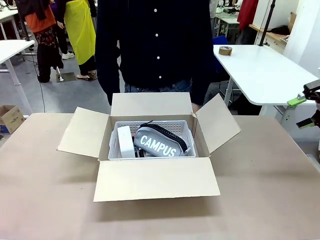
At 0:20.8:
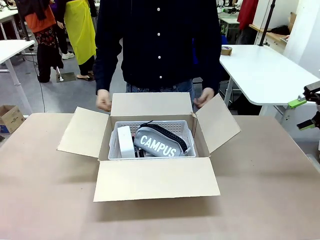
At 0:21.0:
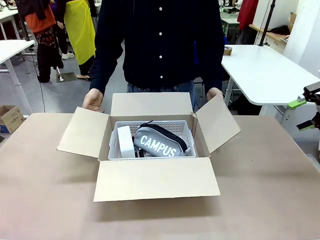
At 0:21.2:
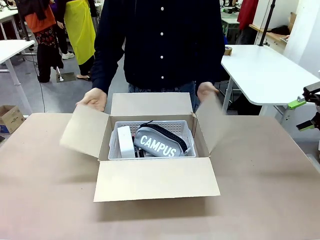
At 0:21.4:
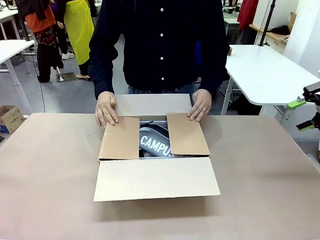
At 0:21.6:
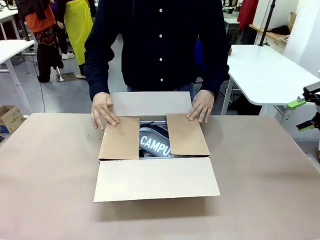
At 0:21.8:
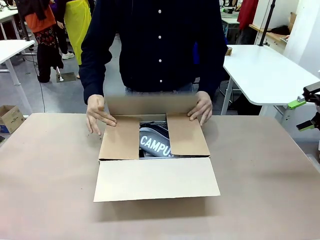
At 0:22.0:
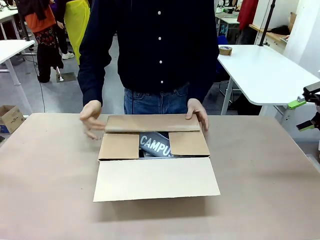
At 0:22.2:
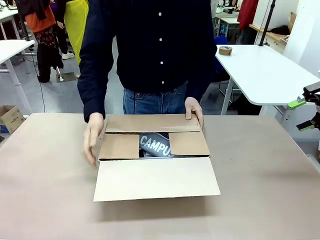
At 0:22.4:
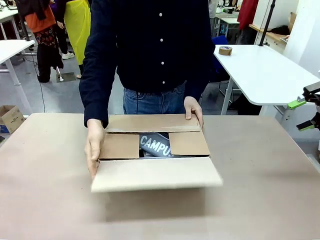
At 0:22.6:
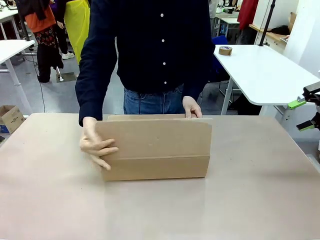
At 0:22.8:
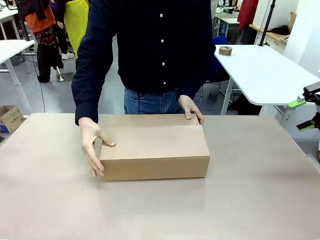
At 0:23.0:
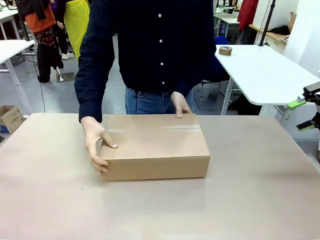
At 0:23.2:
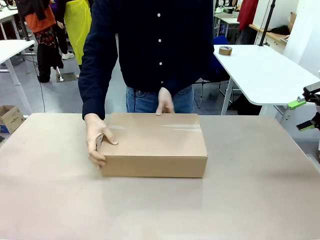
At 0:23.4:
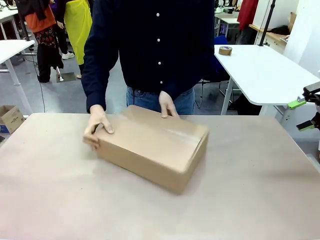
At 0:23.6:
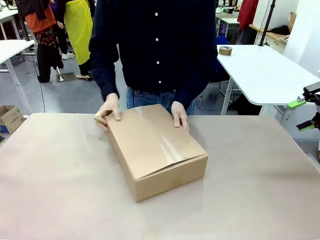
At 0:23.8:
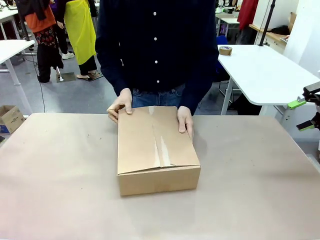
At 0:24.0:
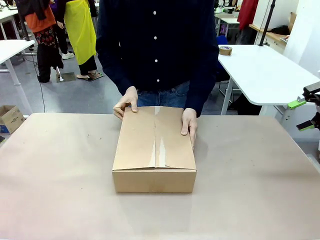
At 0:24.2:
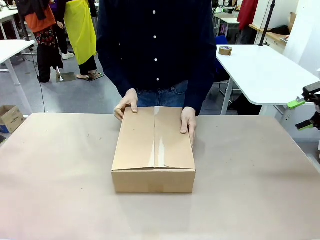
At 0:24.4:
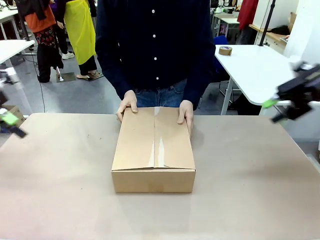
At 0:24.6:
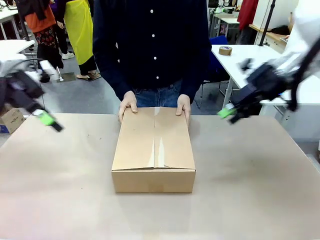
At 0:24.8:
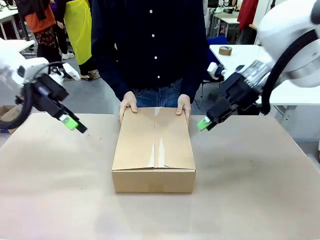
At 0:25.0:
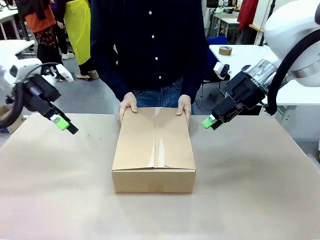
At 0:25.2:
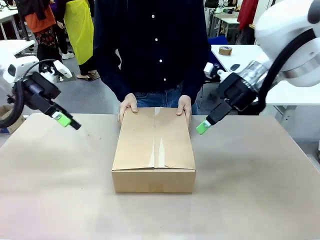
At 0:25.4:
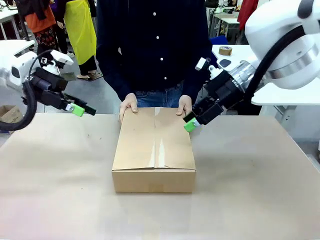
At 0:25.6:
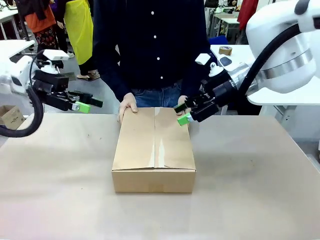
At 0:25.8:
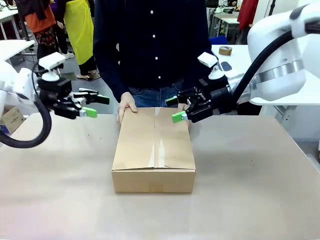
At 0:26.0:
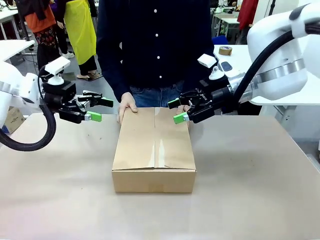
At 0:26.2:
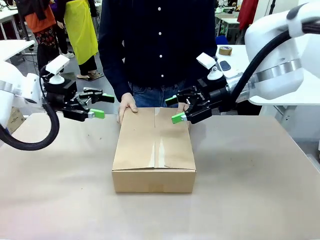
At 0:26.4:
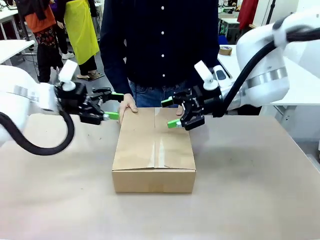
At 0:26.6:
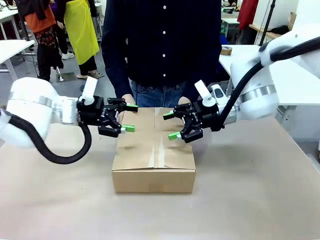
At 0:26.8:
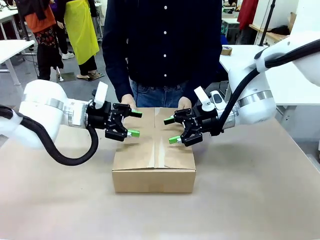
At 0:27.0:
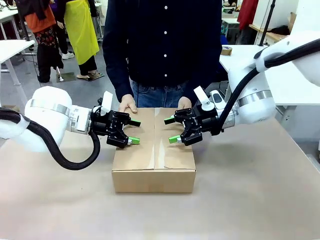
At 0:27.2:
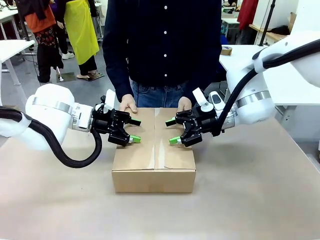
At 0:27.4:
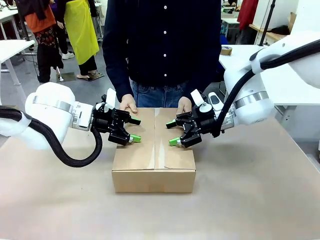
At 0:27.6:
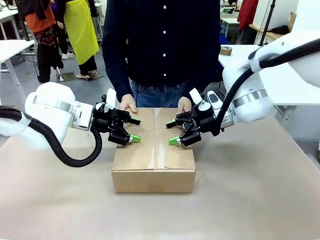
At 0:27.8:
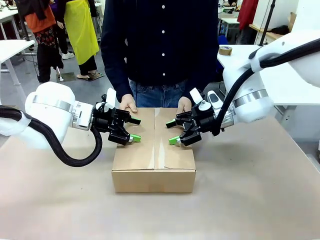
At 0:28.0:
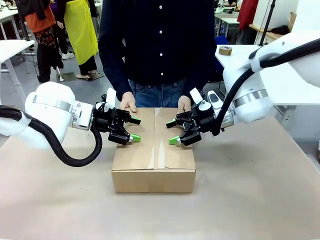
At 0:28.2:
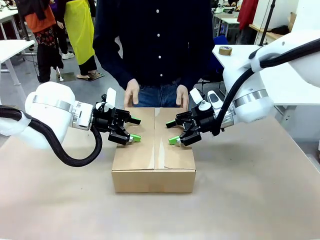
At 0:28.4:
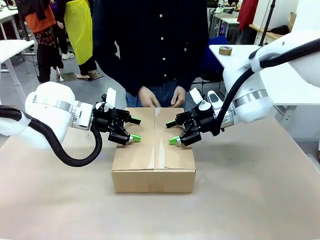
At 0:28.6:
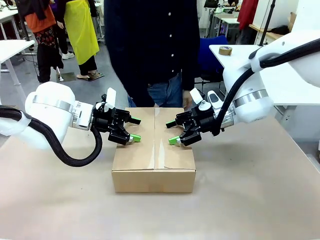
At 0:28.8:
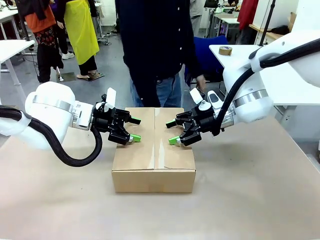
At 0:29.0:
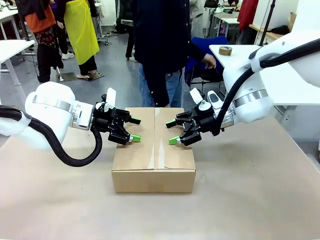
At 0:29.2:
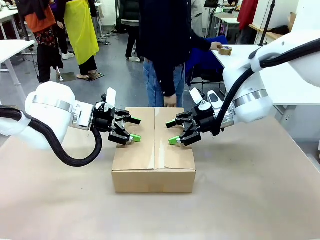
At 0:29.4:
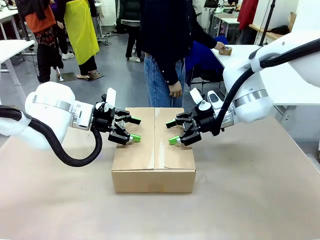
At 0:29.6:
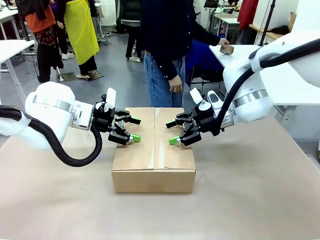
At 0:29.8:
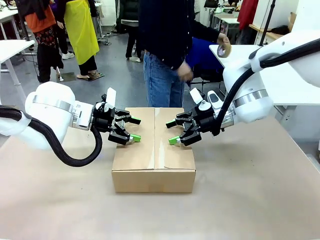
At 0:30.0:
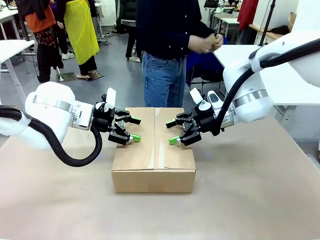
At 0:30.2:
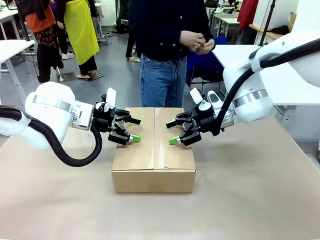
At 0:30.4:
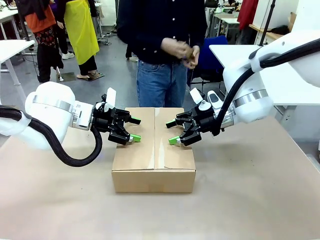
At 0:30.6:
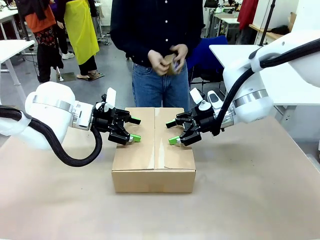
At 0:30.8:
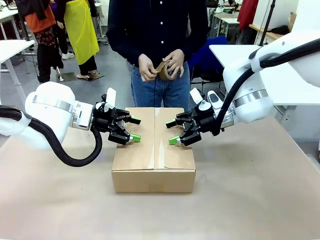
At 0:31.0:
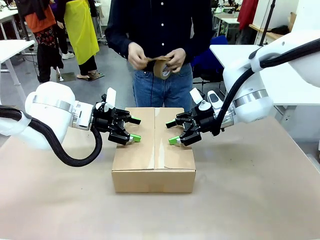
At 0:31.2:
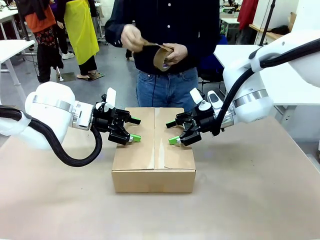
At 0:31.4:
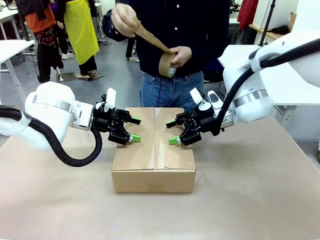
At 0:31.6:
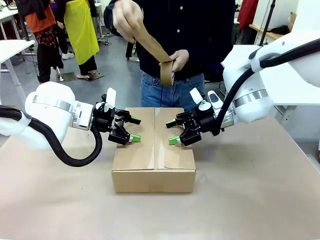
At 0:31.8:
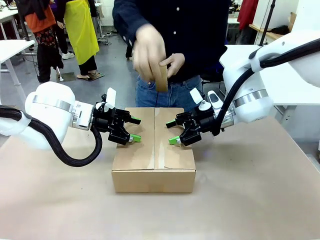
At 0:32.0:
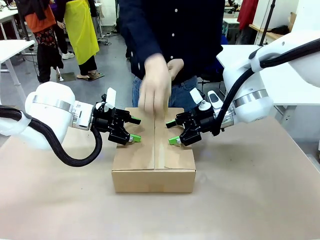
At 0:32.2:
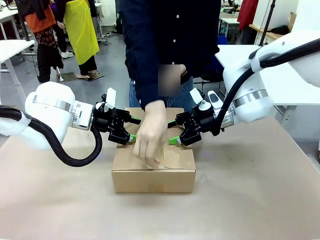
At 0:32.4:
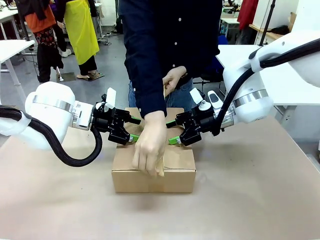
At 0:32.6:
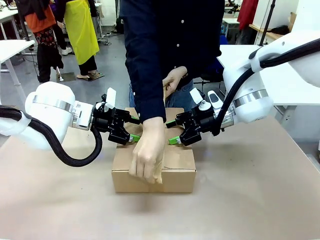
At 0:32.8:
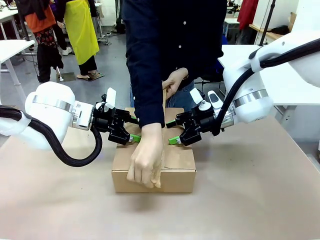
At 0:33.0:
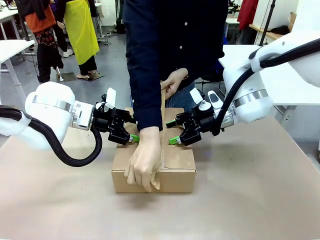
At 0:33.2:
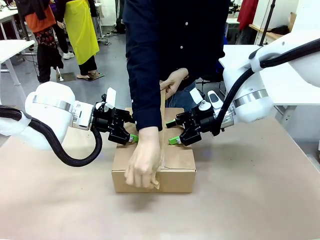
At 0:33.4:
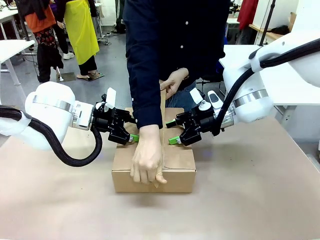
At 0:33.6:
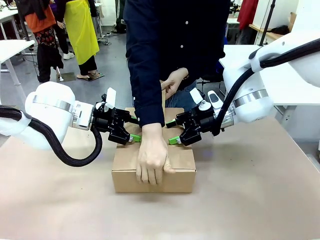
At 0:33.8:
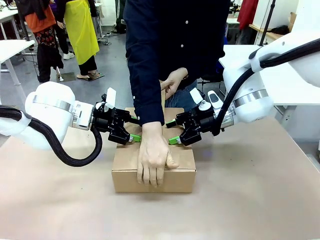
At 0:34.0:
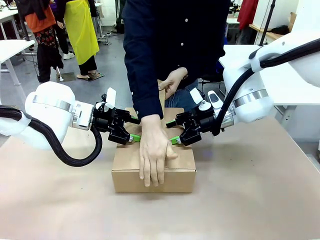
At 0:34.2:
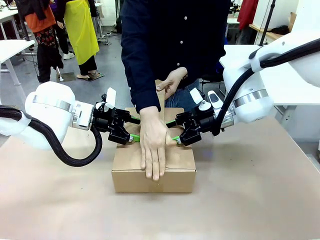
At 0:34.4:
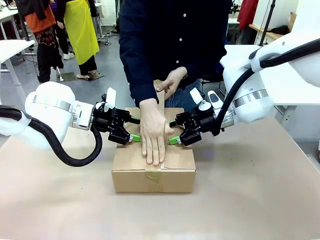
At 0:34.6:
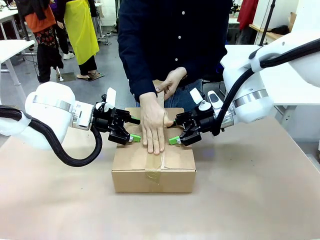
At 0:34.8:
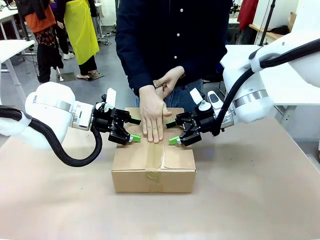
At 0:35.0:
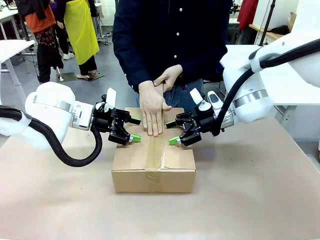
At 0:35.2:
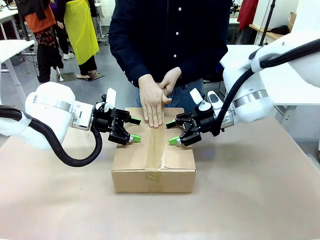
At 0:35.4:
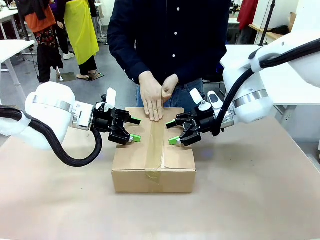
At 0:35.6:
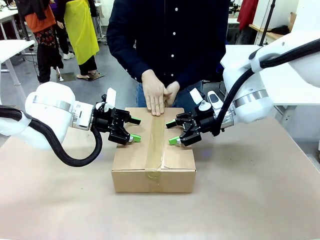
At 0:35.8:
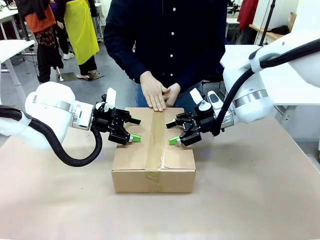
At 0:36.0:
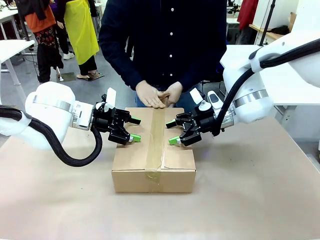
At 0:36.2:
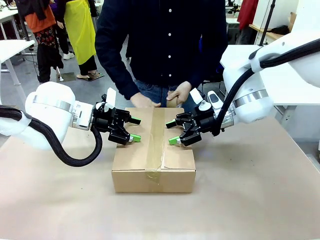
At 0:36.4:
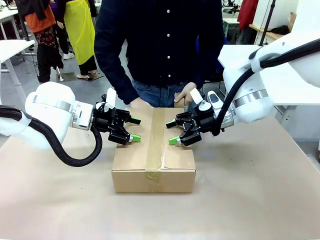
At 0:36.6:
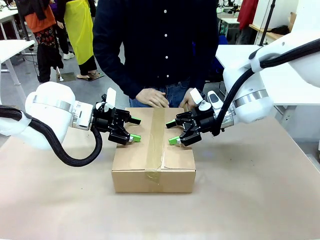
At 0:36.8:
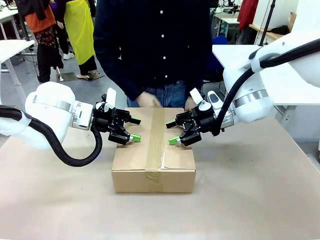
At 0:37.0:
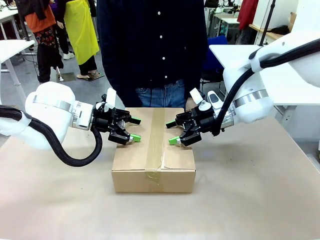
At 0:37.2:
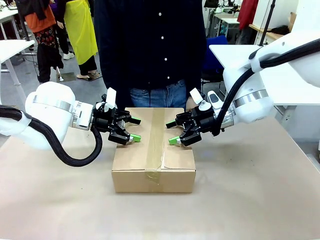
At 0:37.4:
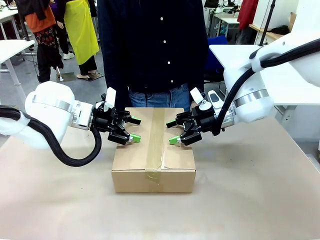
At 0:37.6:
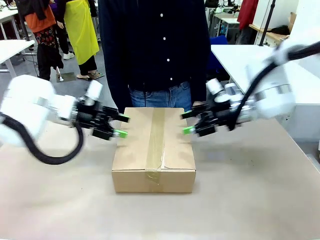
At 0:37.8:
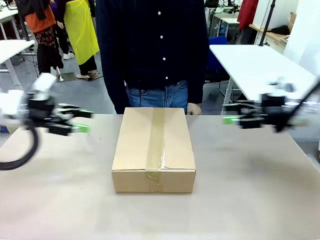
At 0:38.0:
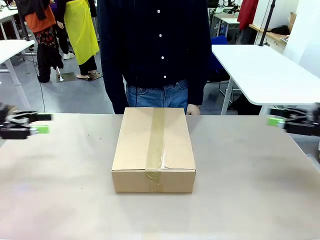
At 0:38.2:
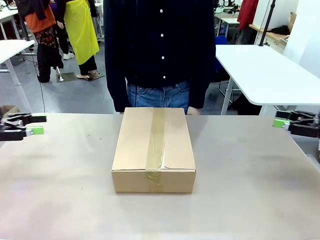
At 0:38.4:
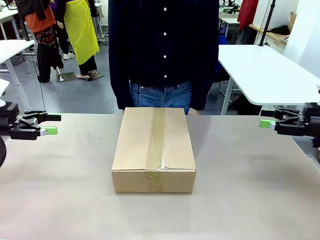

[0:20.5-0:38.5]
Task: Pack the gift set into the box.
Robot: Press and hold the closed box until the human finishes sealing it.
Person: The human closes the box and rotates the box by 90 degrees. The human picks up the paper tape from the human table and packs the box.
